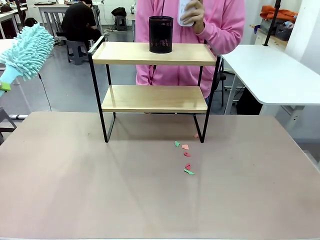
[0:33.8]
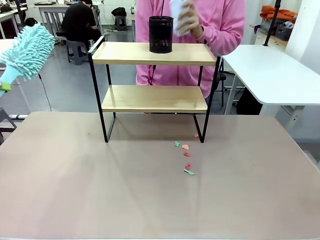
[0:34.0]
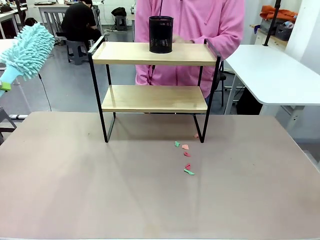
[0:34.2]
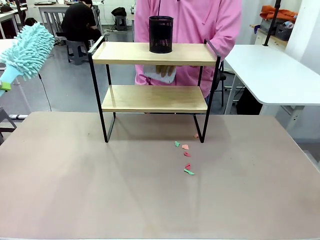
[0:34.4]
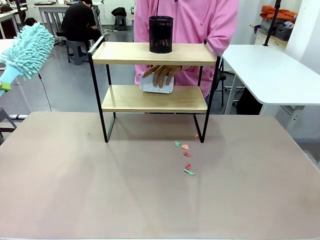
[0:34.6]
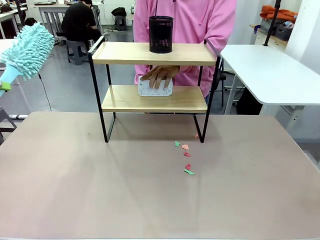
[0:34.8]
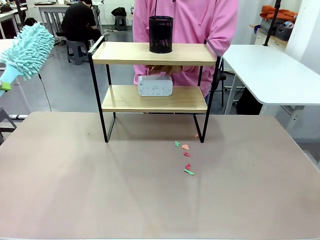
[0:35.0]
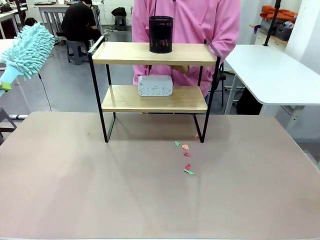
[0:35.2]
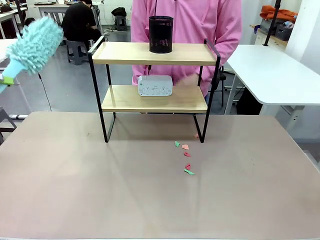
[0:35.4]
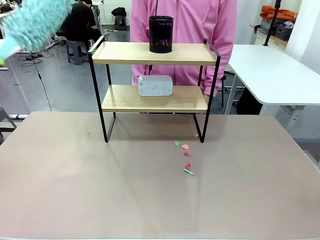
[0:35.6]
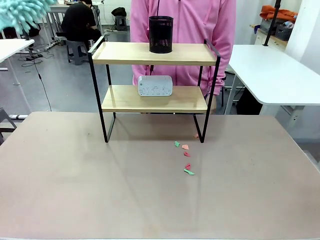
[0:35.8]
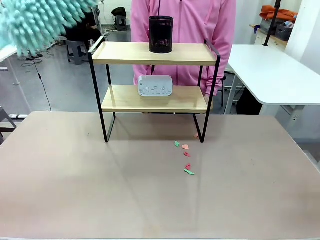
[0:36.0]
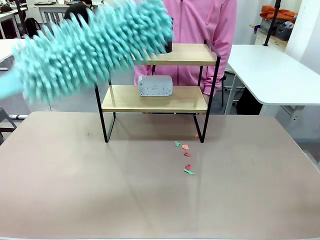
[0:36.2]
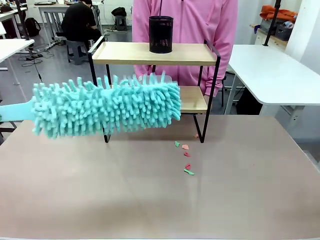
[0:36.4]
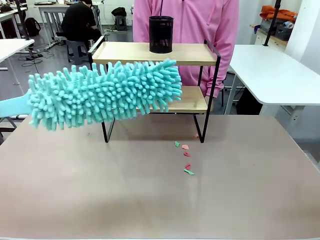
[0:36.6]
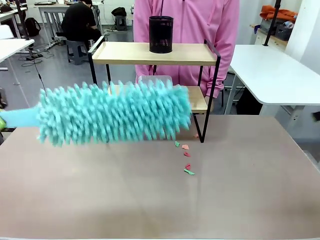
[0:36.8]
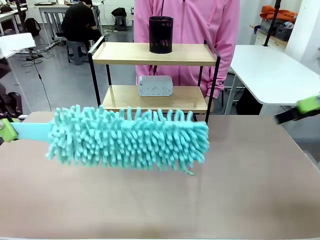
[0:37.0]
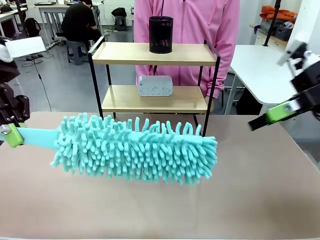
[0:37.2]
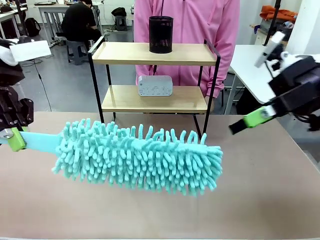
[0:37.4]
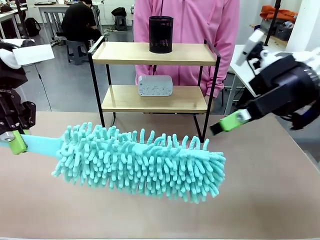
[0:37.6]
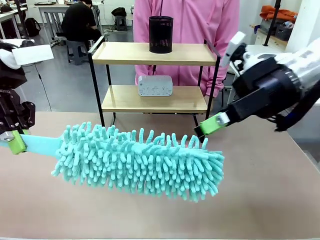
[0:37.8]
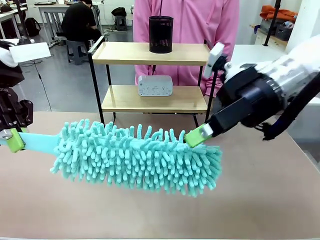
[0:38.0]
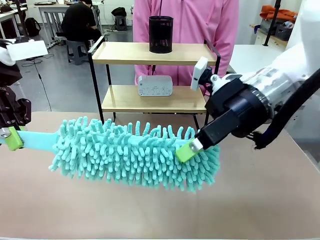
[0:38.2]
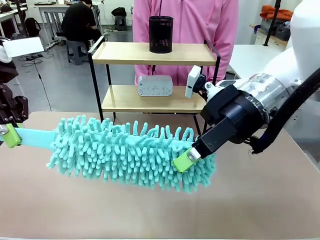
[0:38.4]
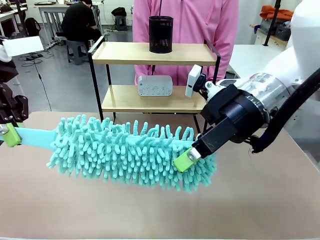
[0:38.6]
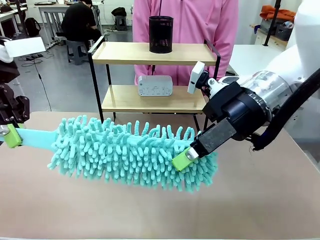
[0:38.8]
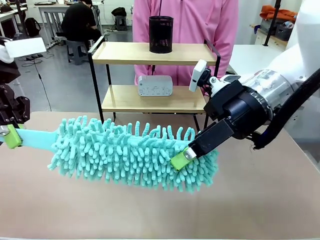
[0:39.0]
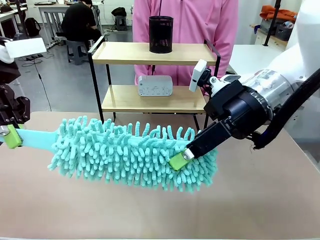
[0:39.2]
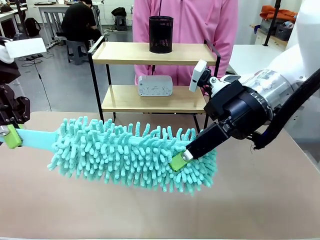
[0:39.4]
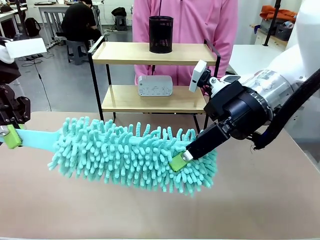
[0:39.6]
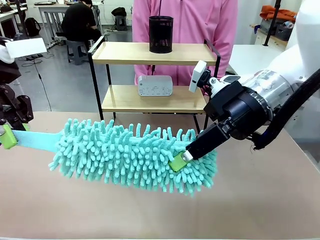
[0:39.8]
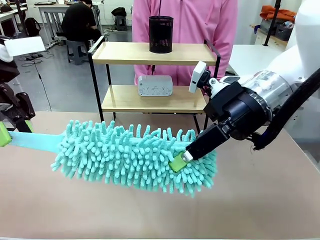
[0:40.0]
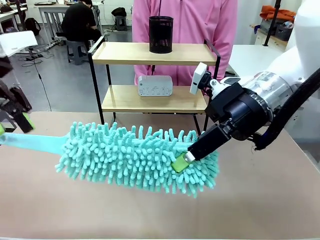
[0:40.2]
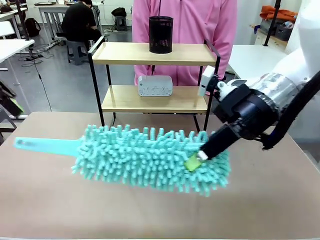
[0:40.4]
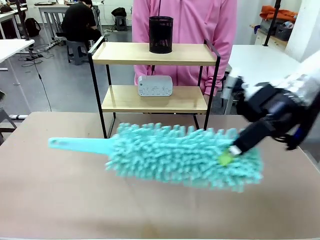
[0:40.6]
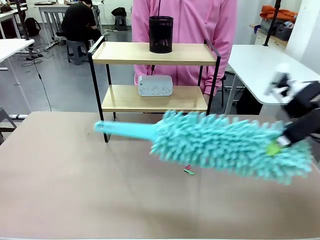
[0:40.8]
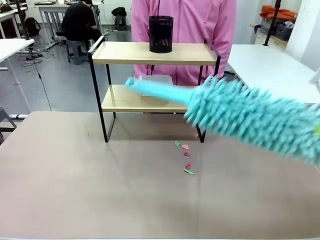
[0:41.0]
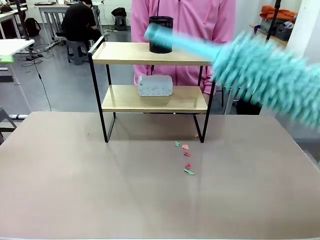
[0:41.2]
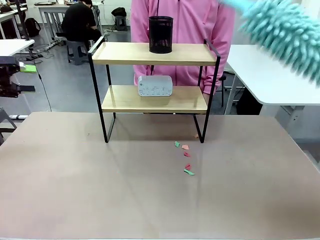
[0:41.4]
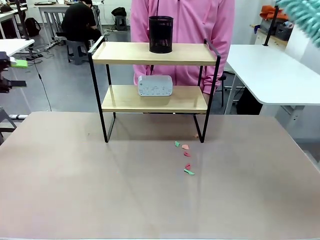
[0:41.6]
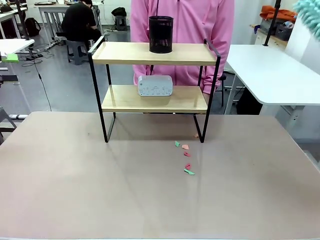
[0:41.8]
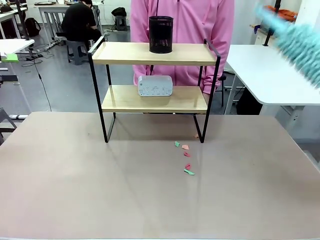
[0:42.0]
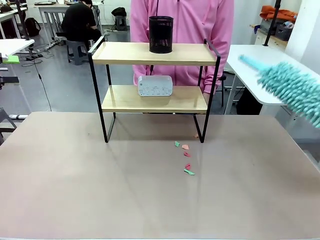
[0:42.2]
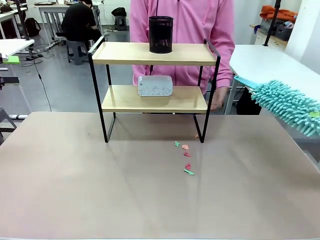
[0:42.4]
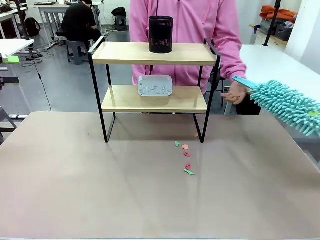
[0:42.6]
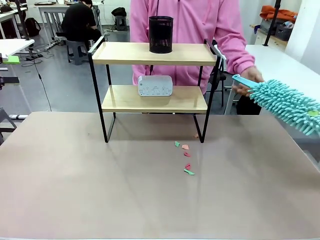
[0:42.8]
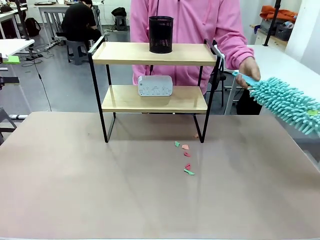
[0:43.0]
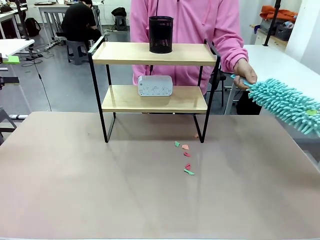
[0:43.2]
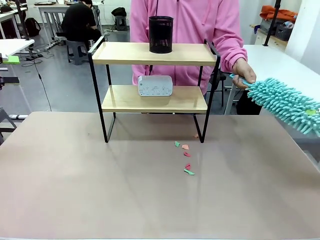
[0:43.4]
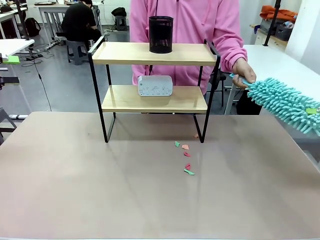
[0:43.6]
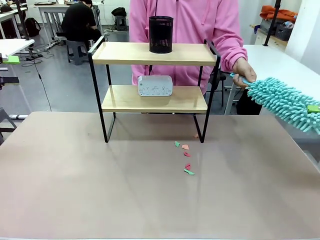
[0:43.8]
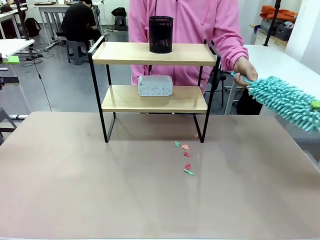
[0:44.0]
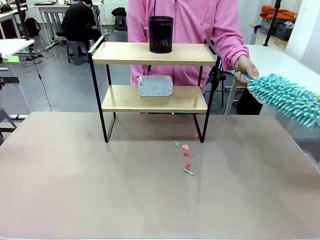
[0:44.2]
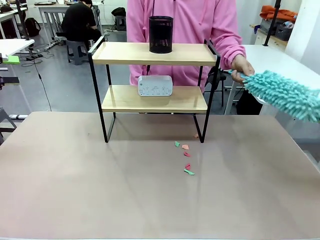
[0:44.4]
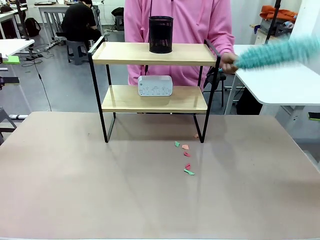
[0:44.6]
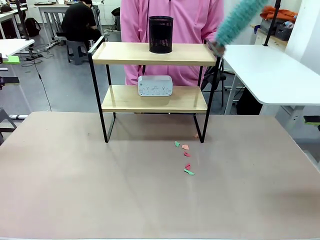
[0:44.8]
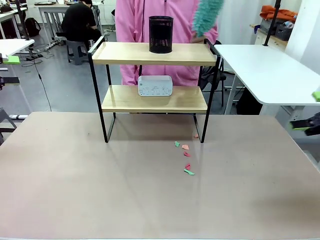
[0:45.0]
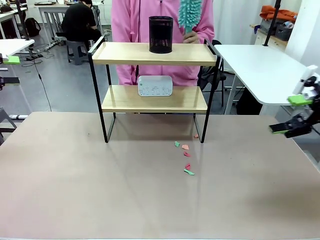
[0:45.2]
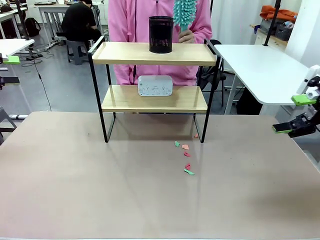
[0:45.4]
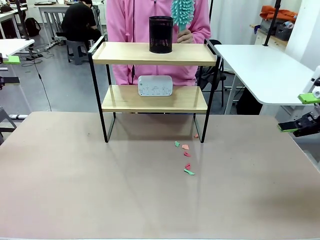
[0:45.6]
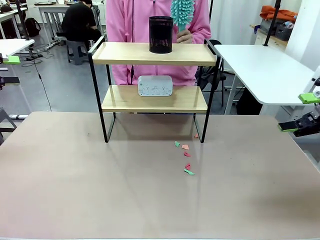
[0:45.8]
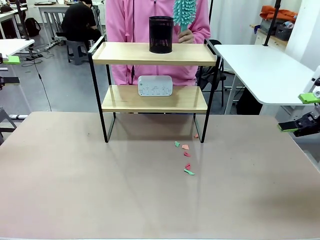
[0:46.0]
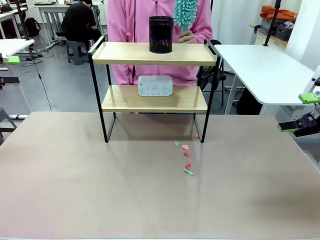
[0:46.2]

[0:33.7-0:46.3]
Task: Clean the shelf.
Robot: Hand the Duster back to the human.
Person: Receive the Duster from the robot.

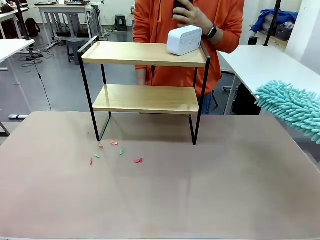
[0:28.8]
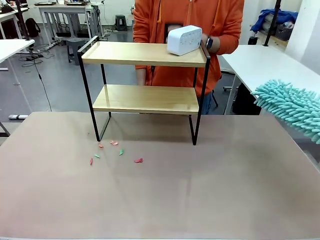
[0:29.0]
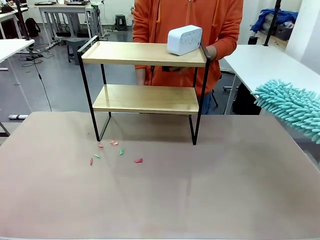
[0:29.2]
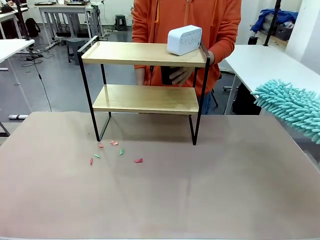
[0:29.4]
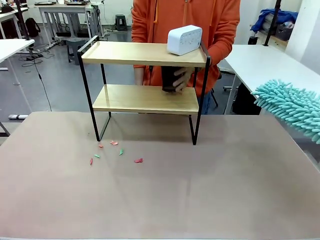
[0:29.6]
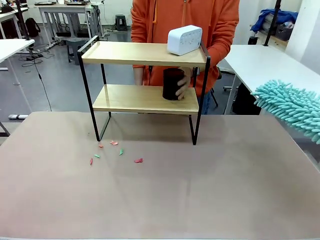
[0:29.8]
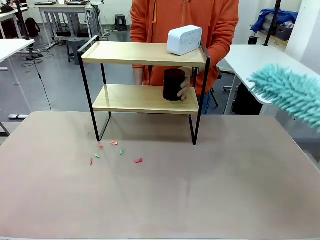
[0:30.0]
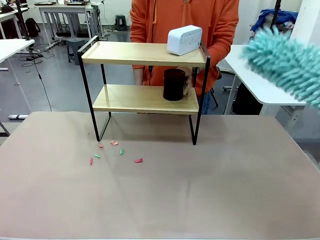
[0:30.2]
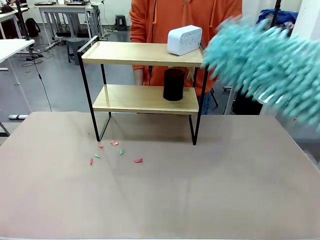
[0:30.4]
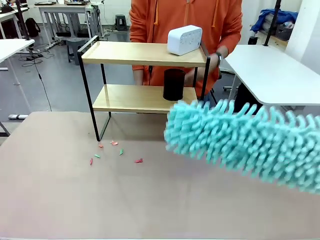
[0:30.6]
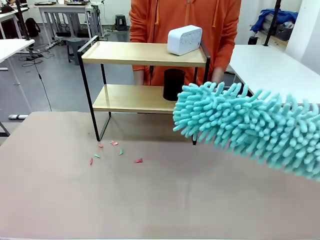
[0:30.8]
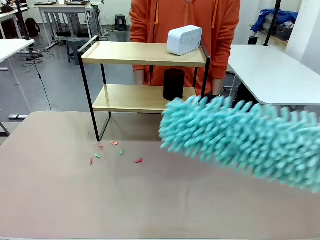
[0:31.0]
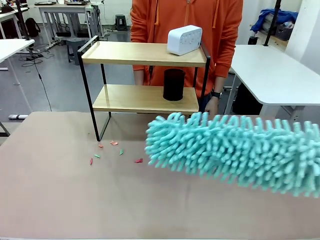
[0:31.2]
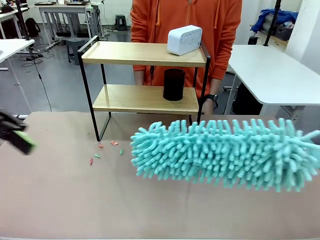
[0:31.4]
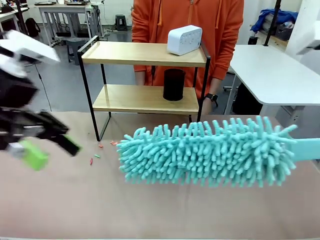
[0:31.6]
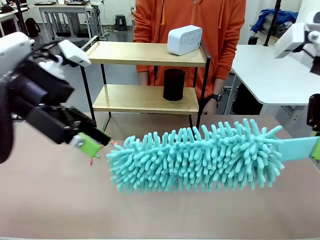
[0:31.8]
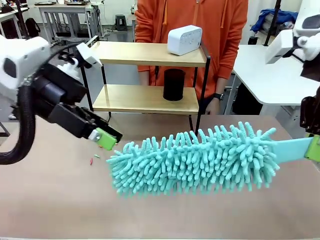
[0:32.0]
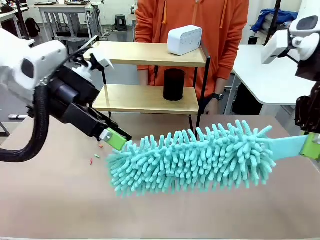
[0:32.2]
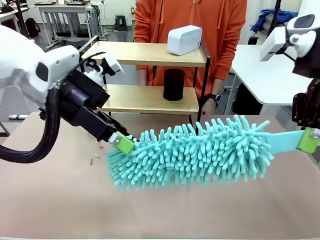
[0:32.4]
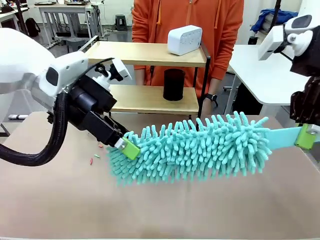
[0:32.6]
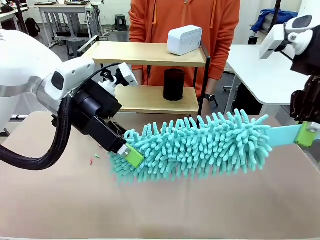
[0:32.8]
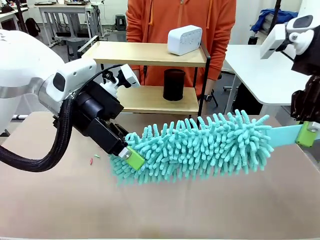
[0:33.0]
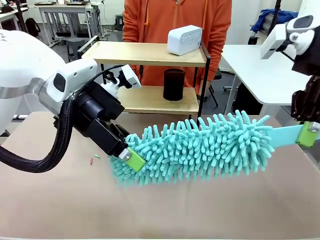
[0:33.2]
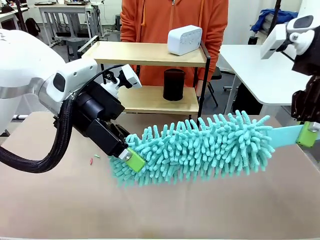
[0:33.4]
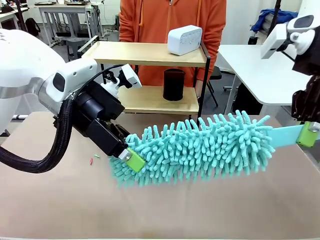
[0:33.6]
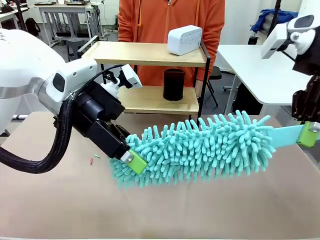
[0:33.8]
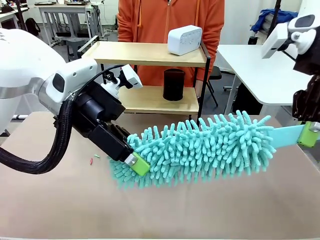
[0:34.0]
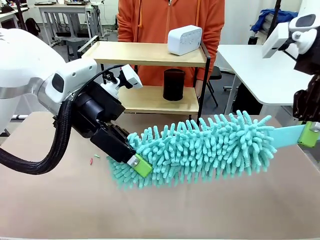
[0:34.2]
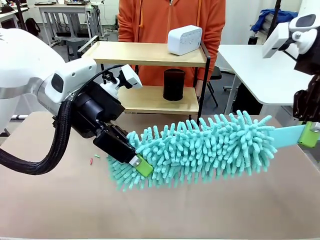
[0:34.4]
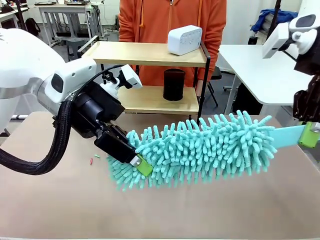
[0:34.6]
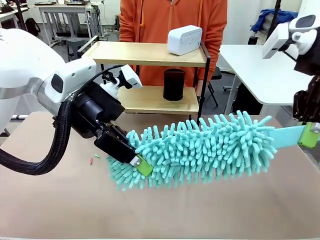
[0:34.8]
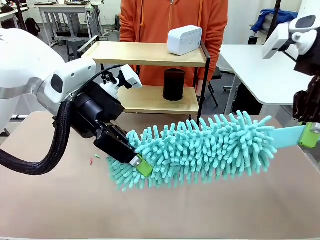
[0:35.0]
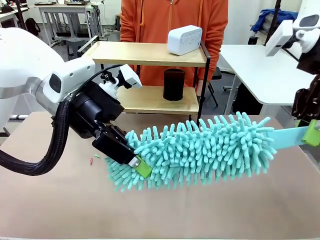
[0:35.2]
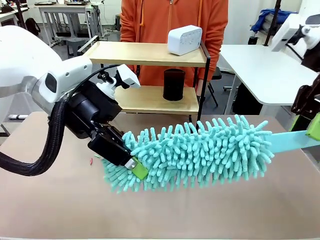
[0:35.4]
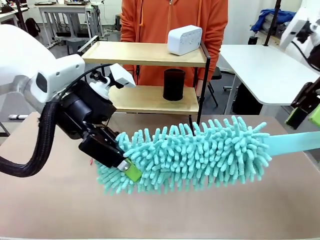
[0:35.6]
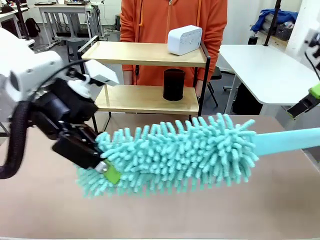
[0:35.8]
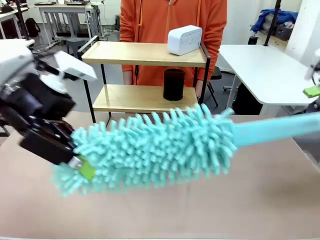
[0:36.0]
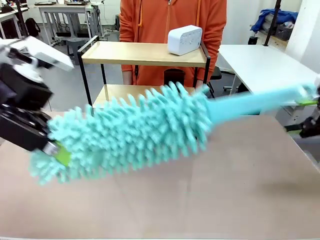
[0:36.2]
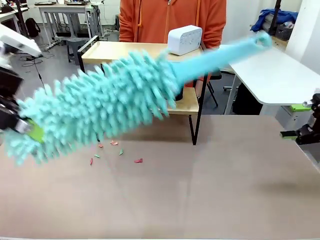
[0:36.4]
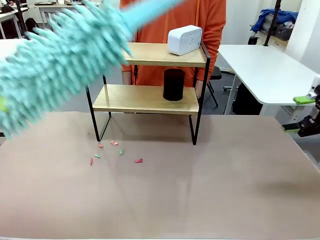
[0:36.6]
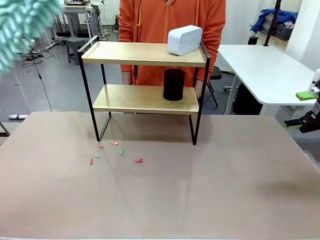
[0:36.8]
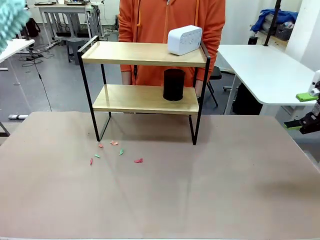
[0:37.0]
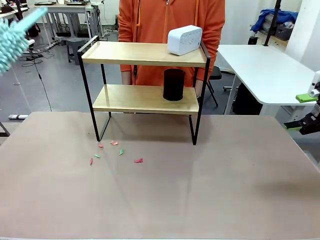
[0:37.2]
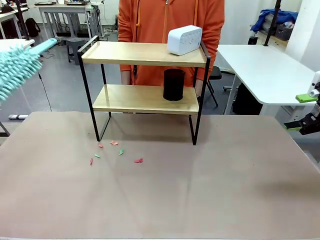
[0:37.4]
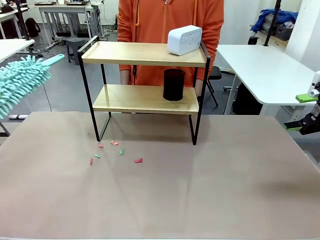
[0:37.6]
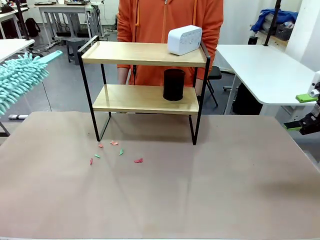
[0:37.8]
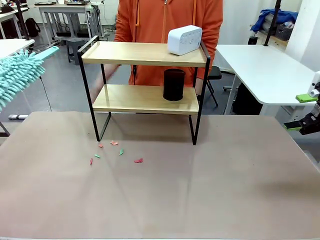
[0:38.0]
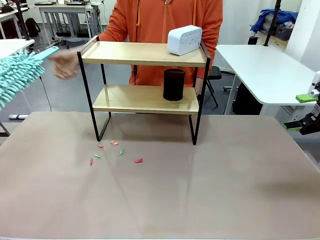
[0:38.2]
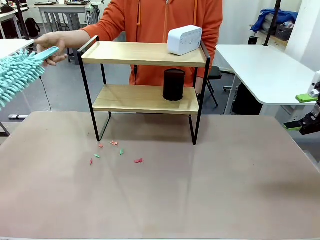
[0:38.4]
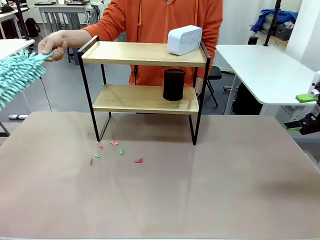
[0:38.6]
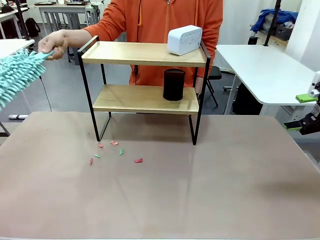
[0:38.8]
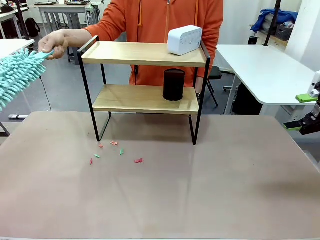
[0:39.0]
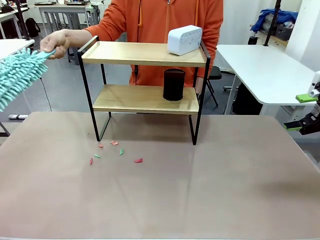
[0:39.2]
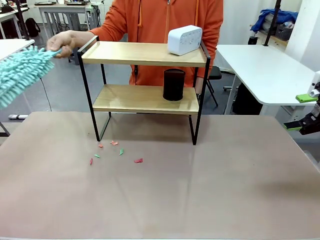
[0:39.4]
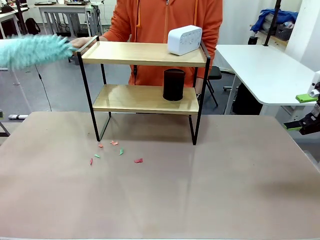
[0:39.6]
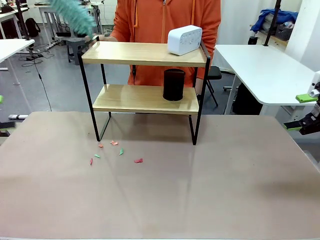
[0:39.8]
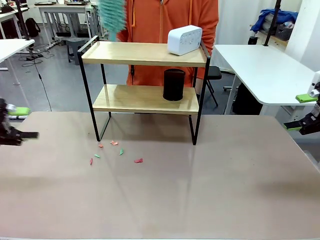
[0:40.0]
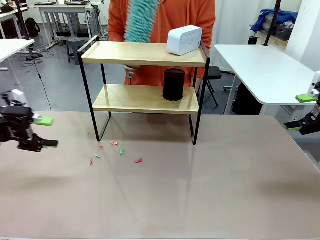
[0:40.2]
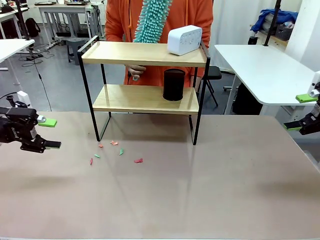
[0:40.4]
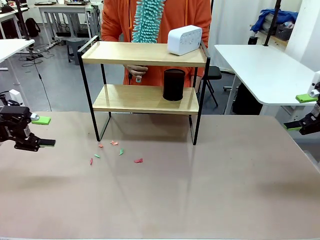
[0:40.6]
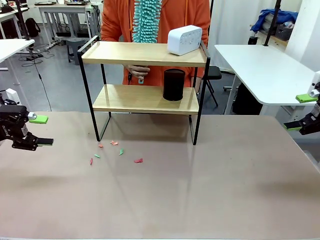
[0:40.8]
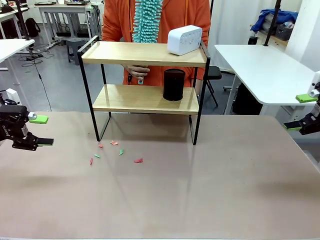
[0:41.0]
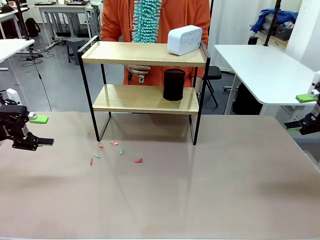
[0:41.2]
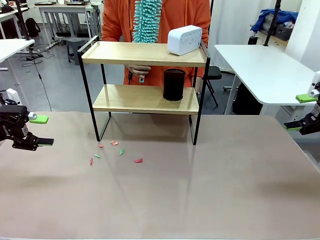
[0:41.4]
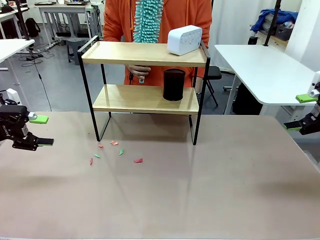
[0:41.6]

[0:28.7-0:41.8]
Task: Clean the shelf.
Robot: Hand the Duster back to the human.
Person: Receive the Duster from the robot.
